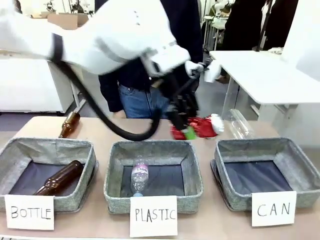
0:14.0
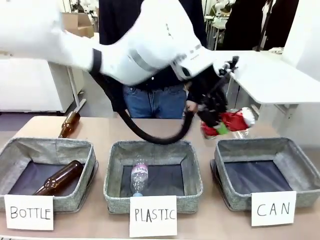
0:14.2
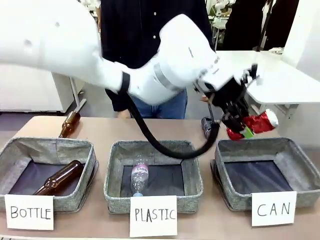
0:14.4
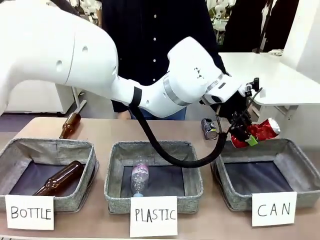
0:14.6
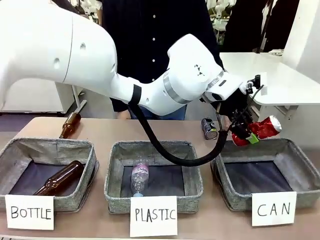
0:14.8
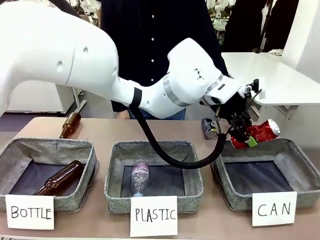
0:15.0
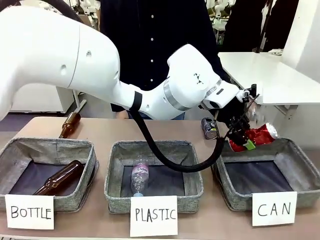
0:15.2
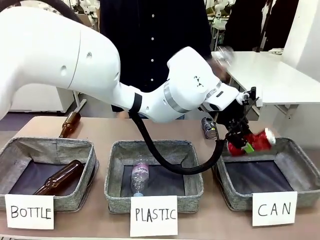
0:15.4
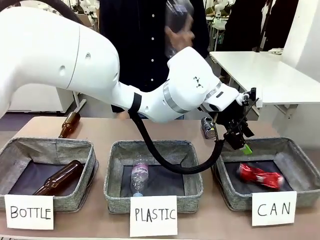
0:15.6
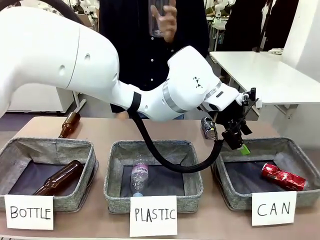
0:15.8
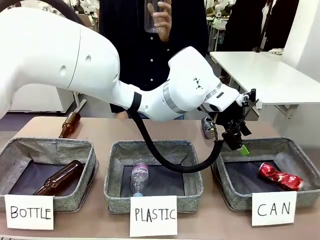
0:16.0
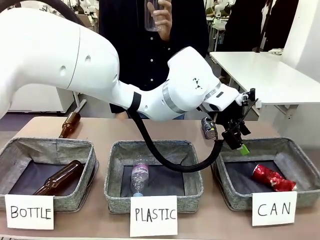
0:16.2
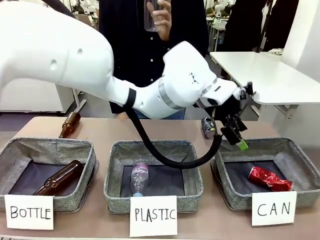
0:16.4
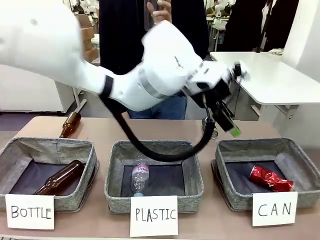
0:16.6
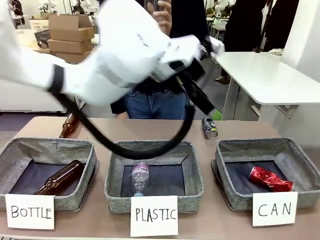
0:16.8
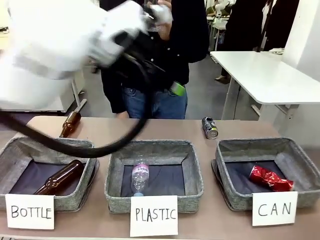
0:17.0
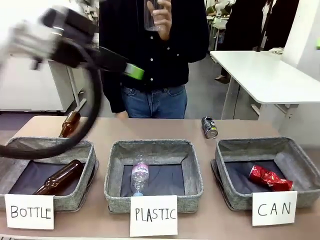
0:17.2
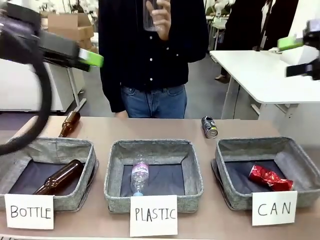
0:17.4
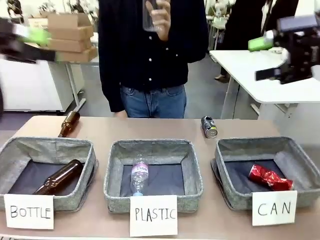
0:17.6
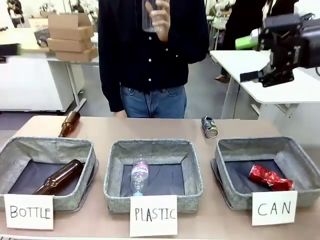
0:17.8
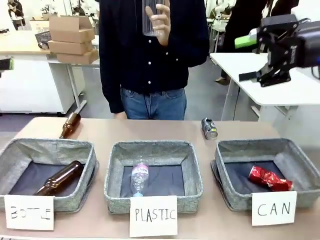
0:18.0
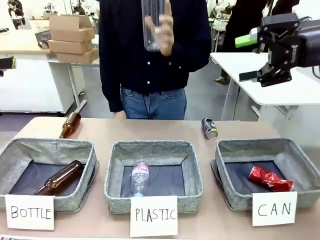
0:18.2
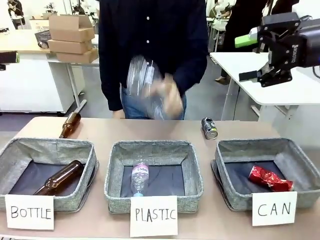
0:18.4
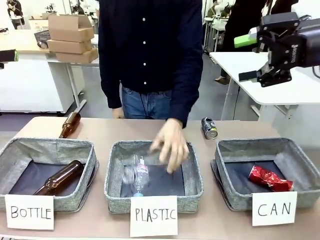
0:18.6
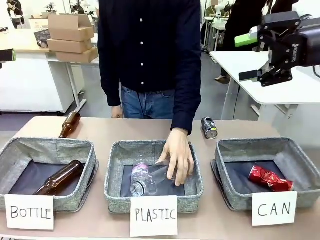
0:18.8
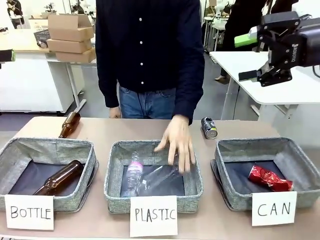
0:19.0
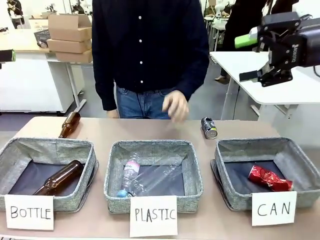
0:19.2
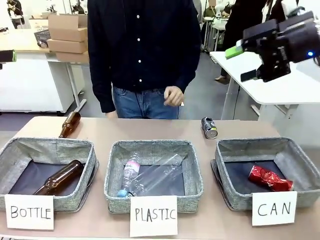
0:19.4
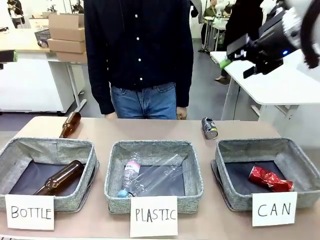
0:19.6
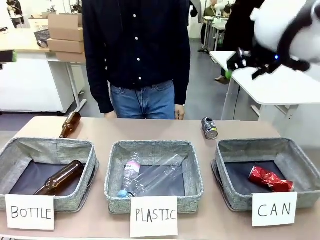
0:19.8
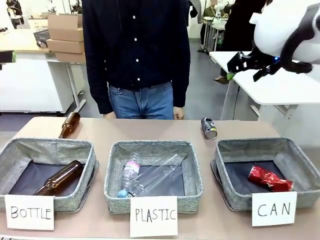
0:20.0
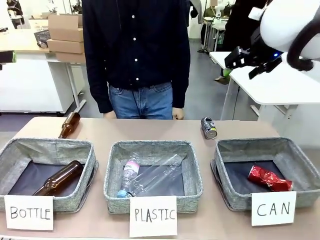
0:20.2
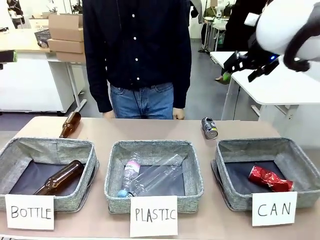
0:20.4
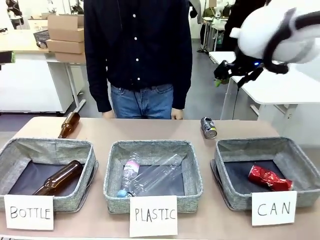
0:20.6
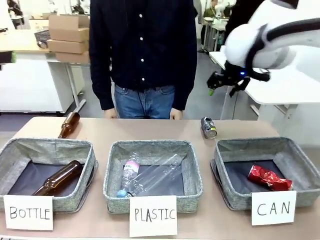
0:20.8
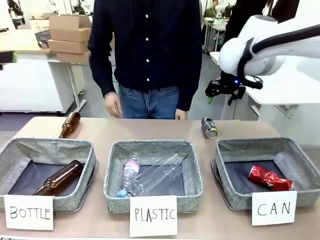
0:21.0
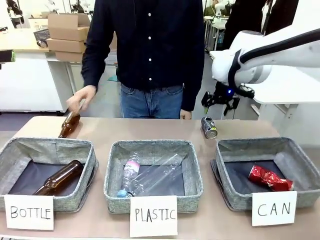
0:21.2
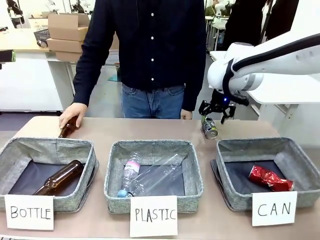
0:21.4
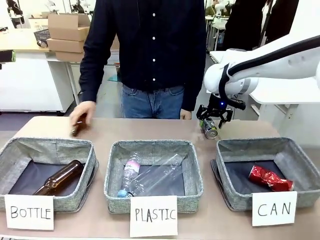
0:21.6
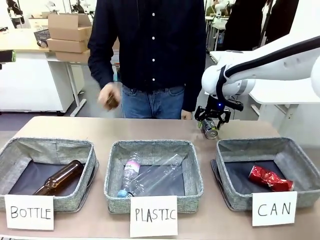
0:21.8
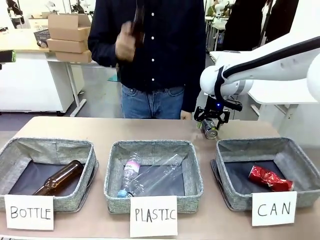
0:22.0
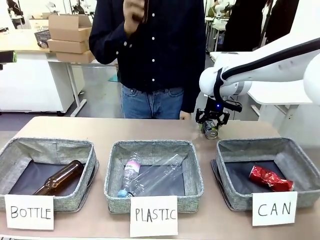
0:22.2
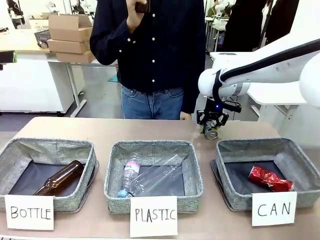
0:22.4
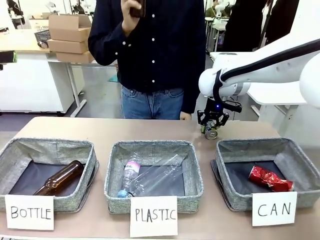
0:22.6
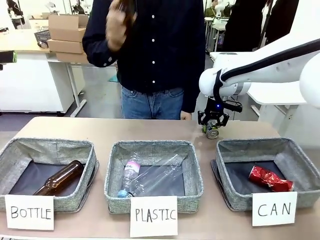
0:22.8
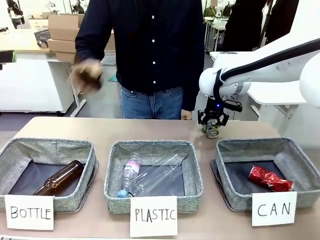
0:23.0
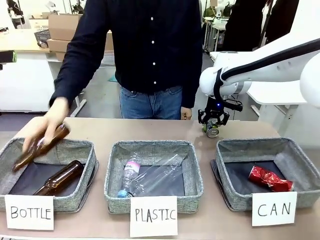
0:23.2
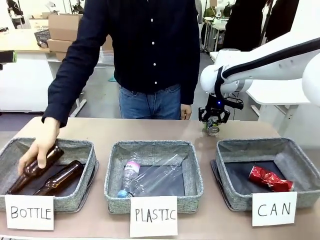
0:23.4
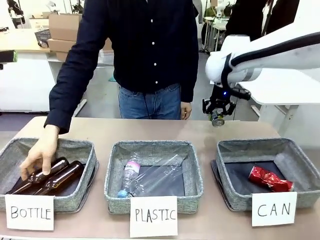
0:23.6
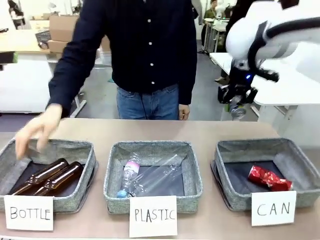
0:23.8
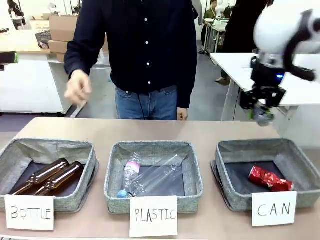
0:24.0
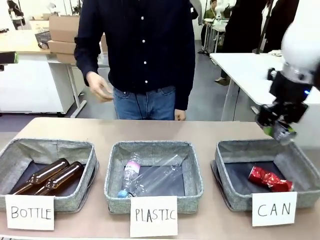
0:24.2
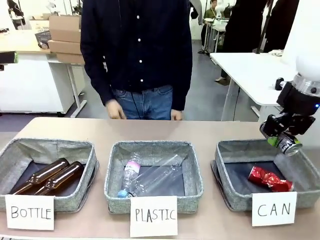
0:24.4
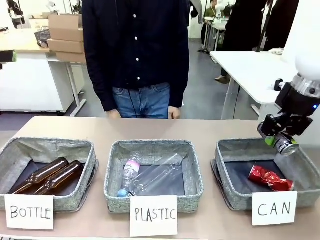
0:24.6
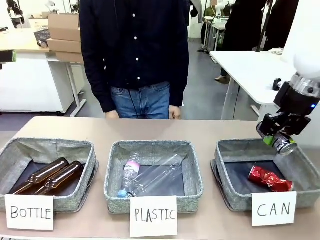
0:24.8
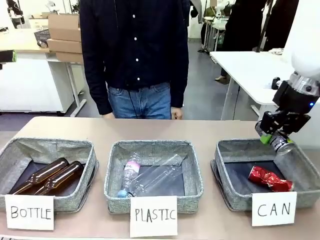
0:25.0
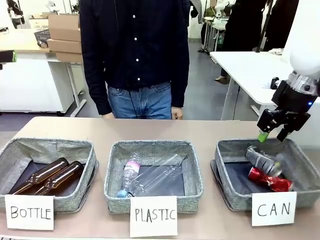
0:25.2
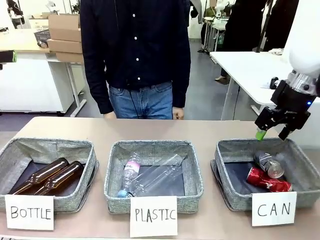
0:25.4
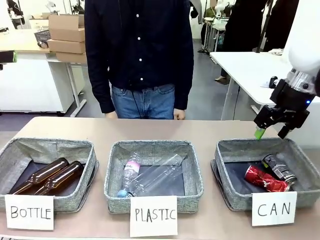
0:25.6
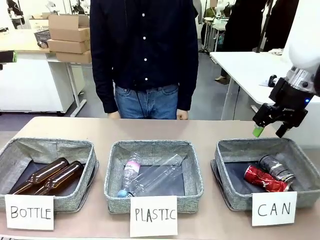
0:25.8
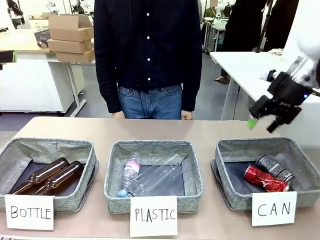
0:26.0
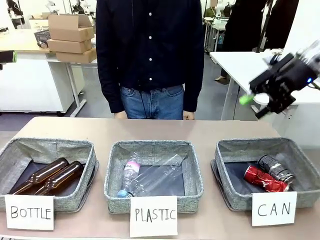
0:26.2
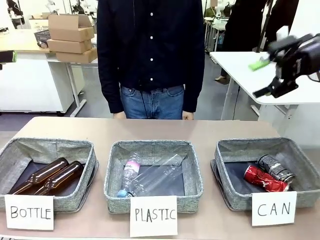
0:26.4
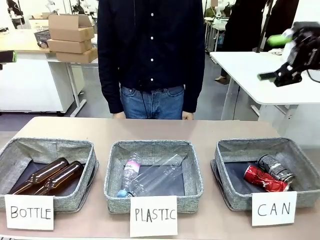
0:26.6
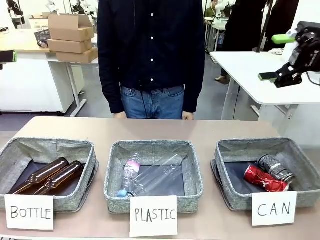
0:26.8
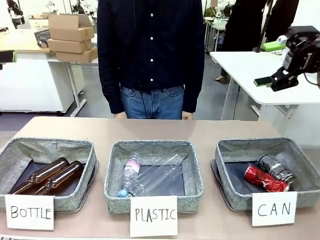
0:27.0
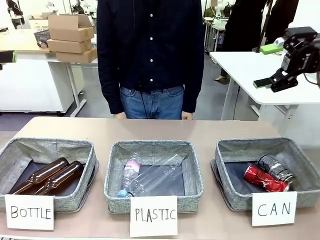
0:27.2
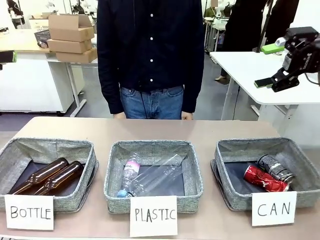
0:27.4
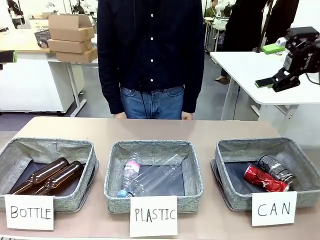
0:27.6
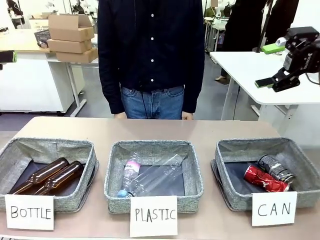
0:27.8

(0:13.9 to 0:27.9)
Task: Sort the can waste into the basket.
Robot: Pick up the can waste from the table and place it in the right Fabric basket.
Person: The human picks up one piece of trash that is not a can and places the trash into the appropriate organizing basket.

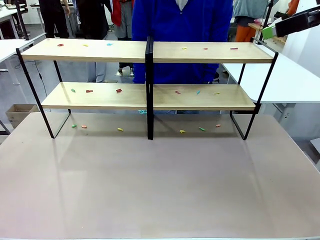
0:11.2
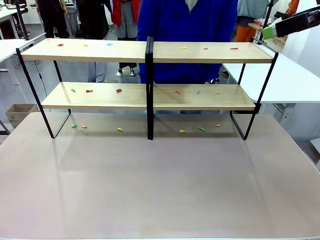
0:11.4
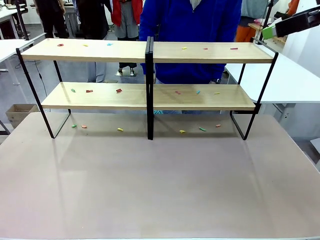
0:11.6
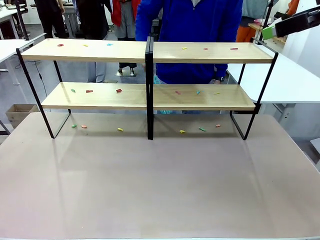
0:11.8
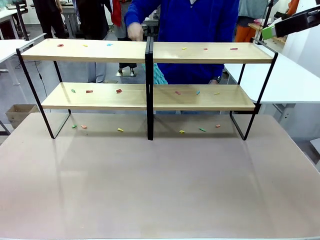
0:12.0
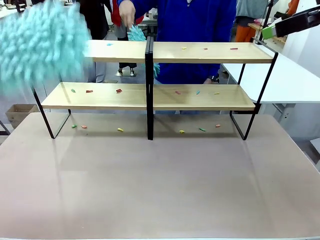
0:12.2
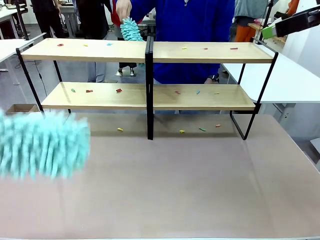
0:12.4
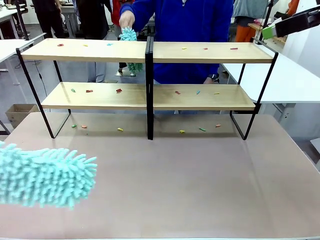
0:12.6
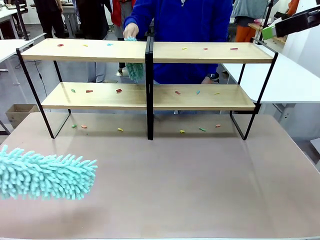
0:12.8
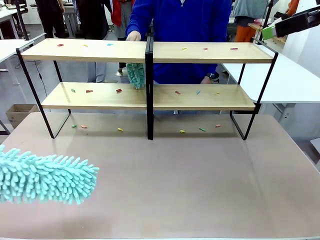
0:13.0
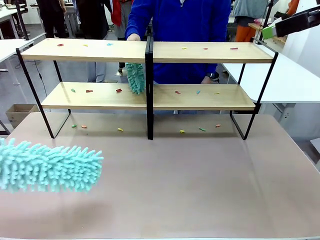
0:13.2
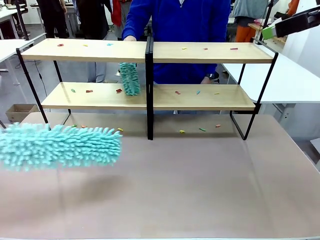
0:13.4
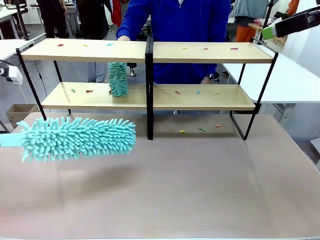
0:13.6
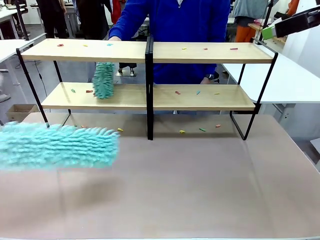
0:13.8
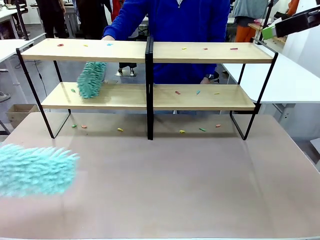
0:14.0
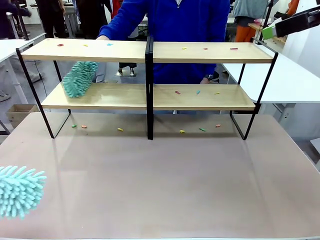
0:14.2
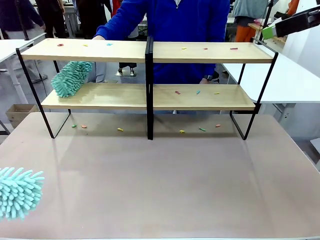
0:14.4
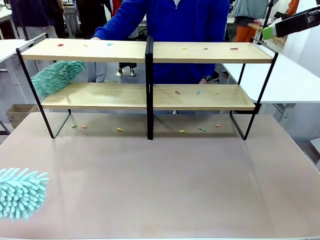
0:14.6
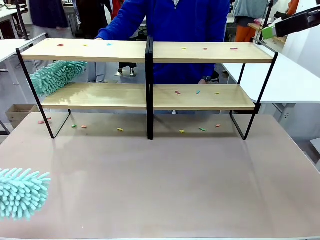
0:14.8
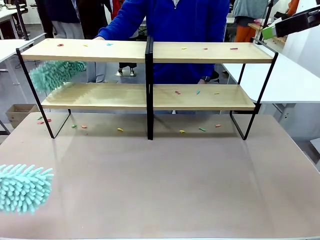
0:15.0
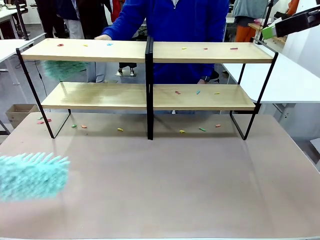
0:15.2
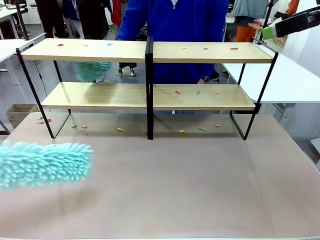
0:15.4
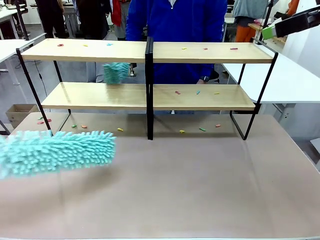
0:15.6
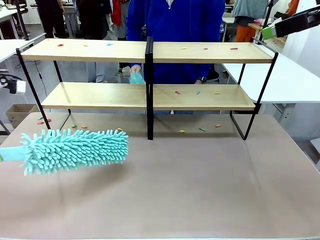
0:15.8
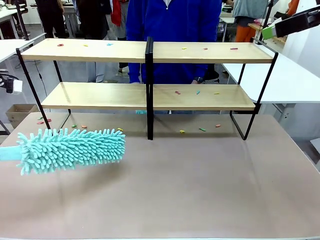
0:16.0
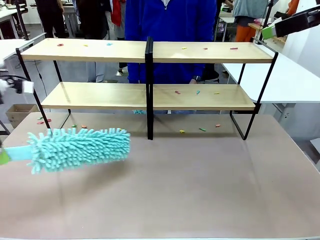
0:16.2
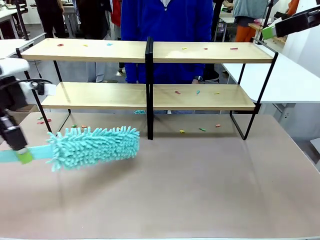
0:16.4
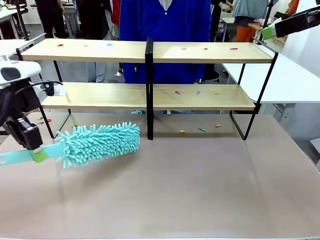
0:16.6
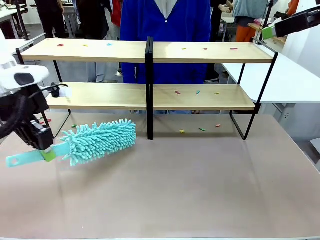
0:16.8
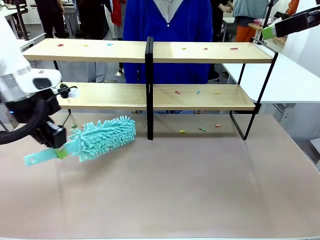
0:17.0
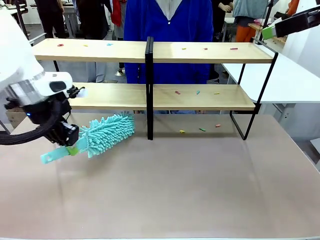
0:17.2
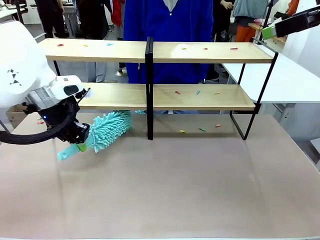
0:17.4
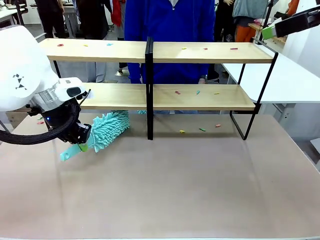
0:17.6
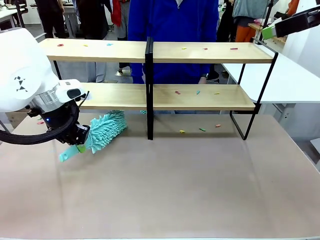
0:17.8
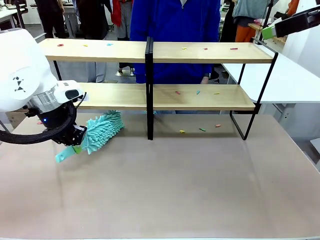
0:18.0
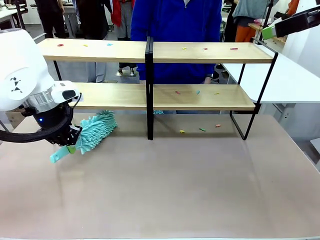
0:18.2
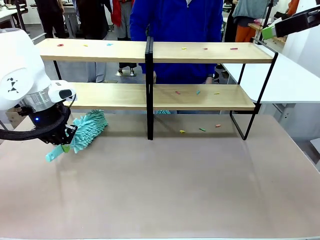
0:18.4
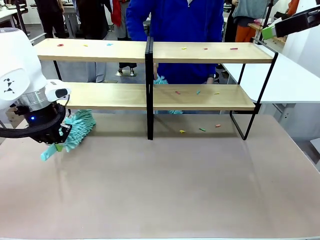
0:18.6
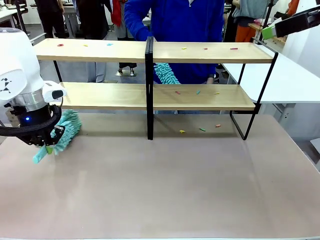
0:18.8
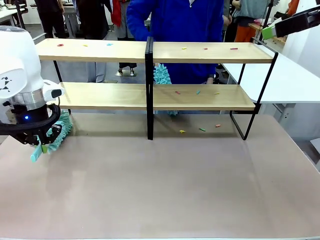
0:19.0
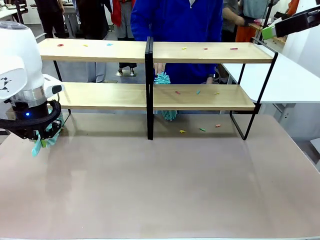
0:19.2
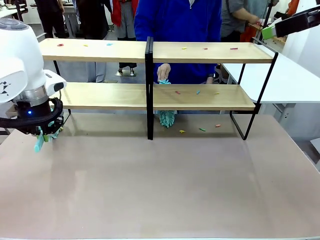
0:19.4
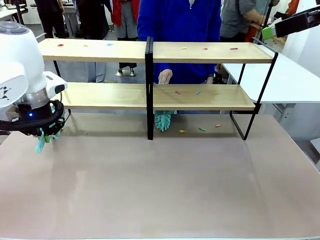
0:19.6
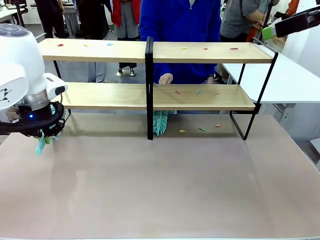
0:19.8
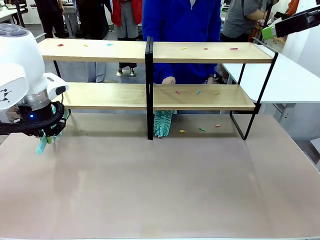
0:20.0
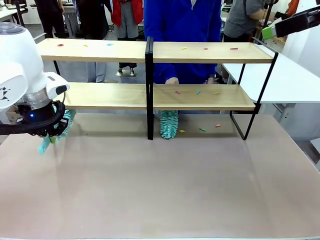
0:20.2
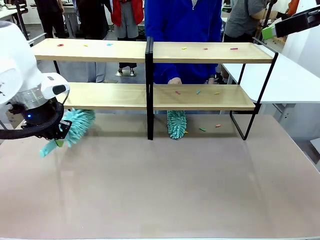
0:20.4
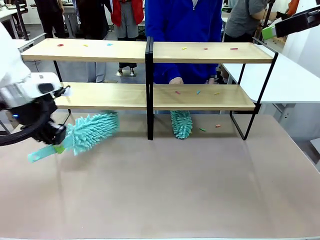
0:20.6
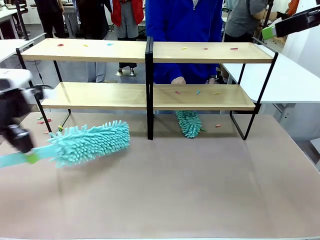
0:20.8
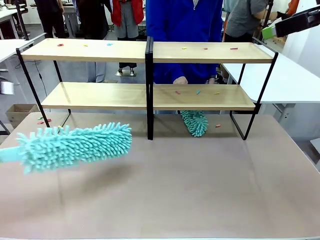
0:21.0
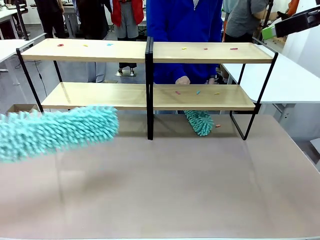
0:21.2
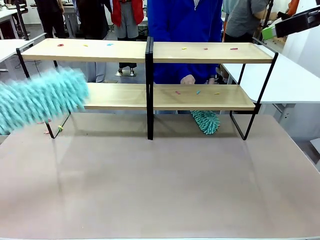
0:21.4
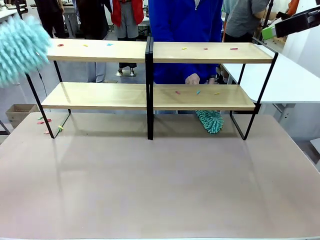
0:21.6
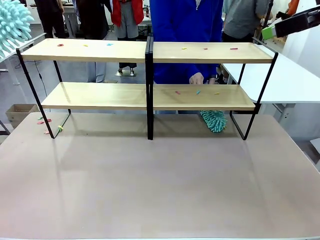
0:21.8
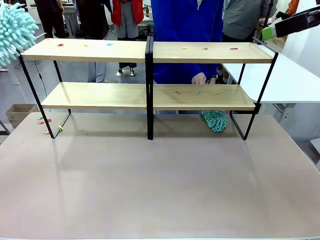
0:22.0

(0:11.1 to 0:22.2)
Task: Clean the shelves.
Robot: Clean a randomly selected level of the Shelf with the Duster.
